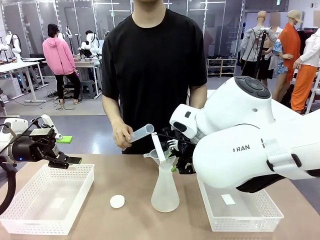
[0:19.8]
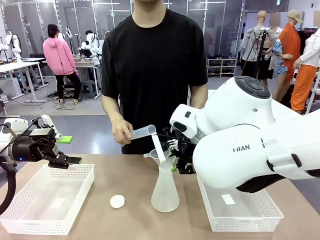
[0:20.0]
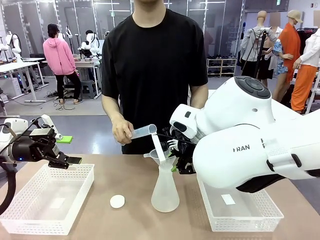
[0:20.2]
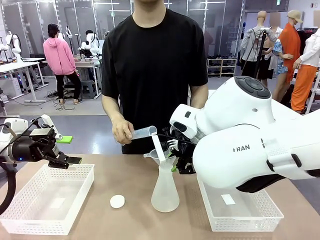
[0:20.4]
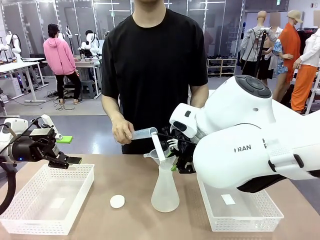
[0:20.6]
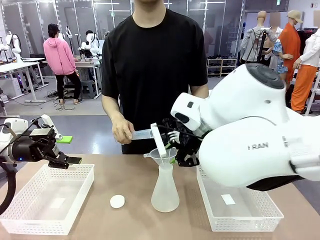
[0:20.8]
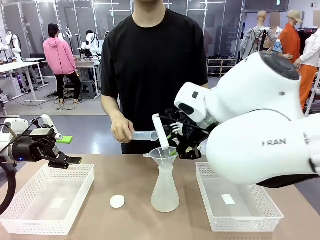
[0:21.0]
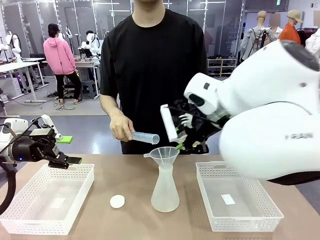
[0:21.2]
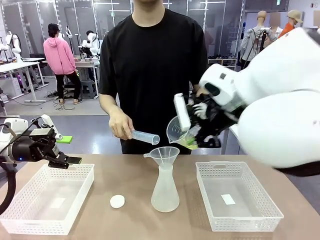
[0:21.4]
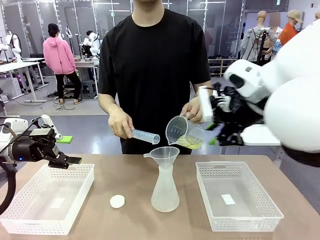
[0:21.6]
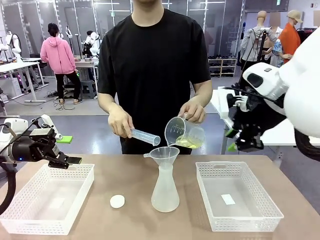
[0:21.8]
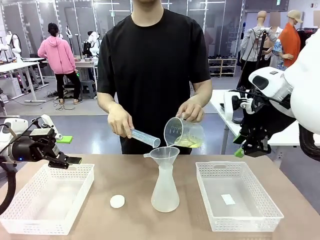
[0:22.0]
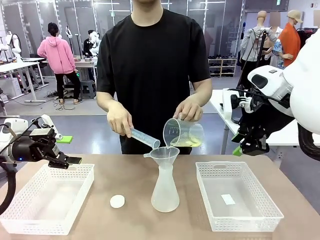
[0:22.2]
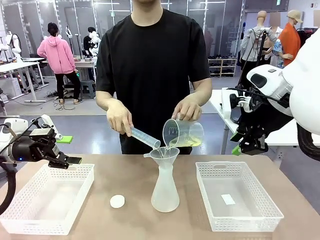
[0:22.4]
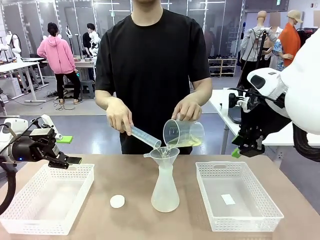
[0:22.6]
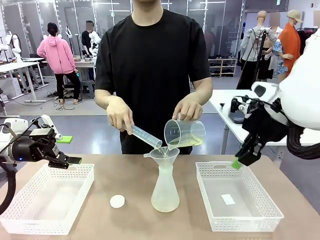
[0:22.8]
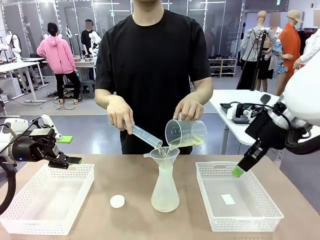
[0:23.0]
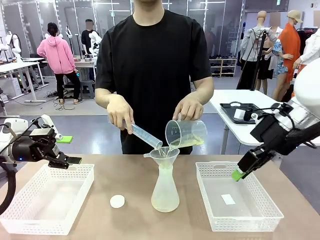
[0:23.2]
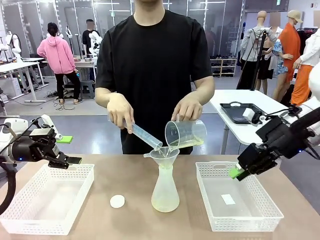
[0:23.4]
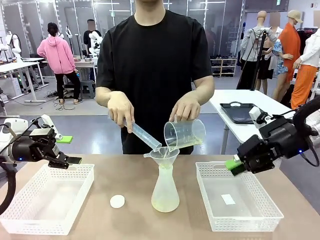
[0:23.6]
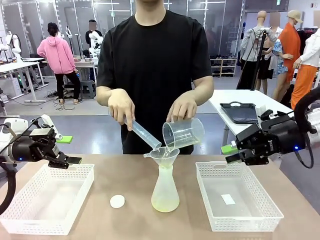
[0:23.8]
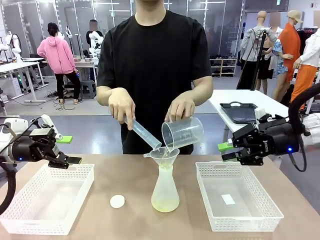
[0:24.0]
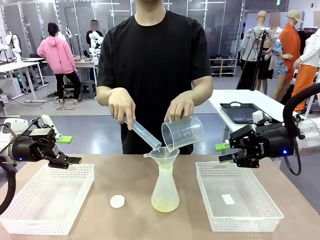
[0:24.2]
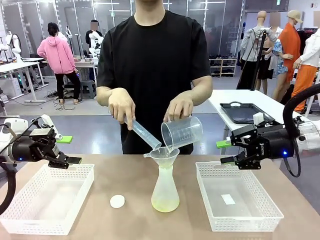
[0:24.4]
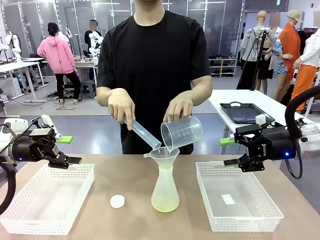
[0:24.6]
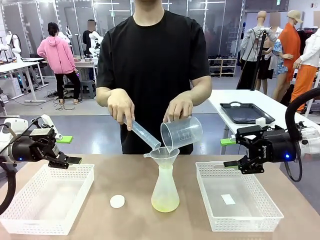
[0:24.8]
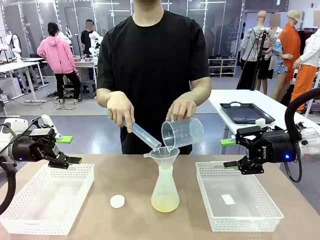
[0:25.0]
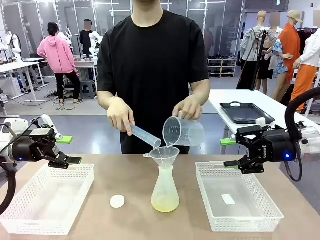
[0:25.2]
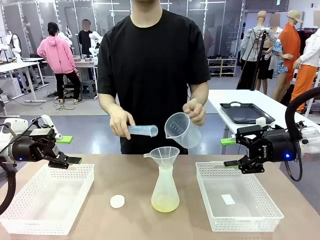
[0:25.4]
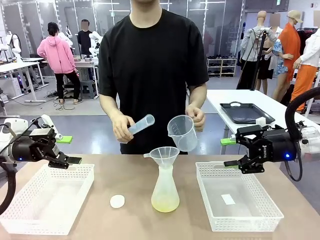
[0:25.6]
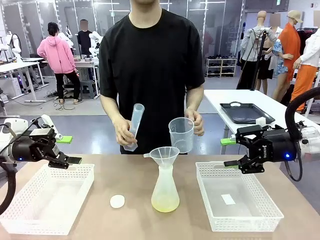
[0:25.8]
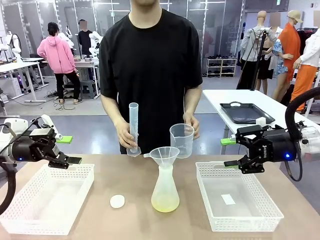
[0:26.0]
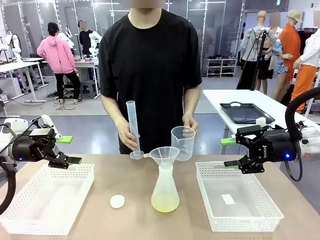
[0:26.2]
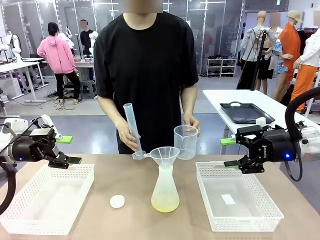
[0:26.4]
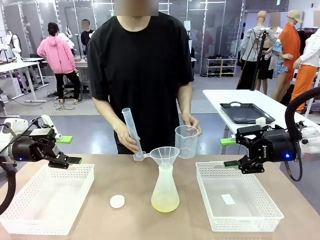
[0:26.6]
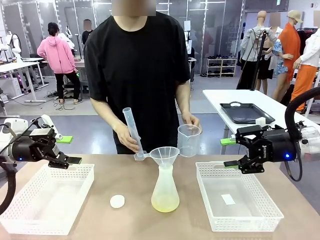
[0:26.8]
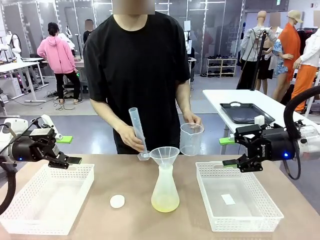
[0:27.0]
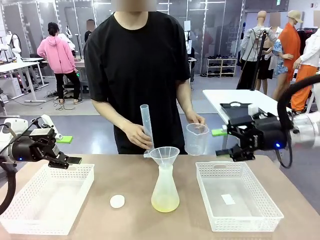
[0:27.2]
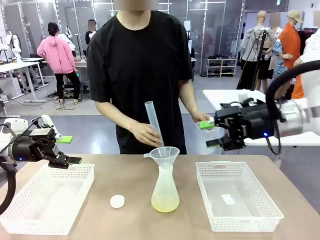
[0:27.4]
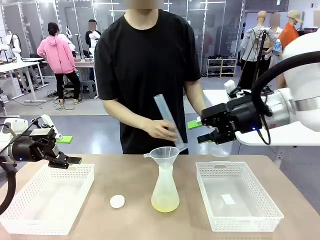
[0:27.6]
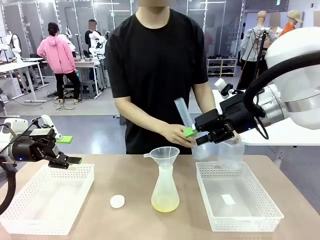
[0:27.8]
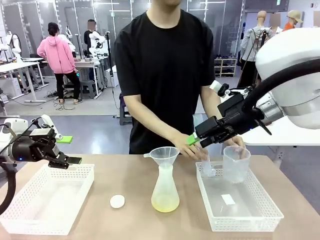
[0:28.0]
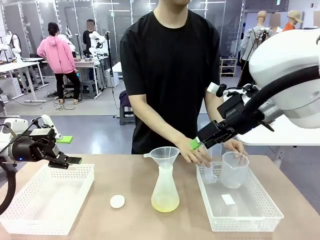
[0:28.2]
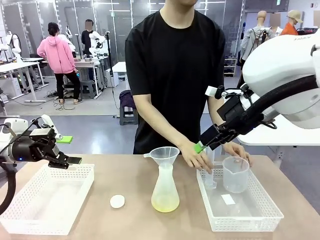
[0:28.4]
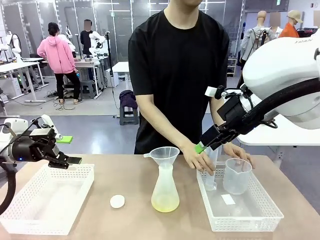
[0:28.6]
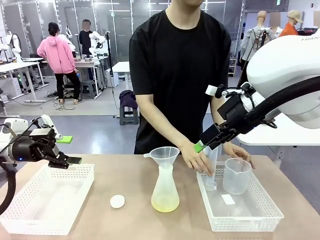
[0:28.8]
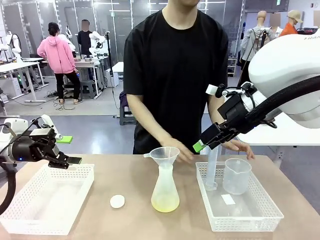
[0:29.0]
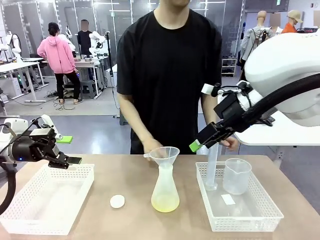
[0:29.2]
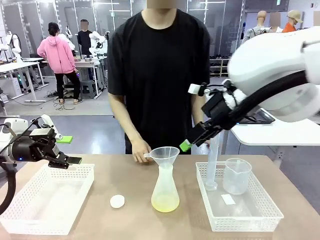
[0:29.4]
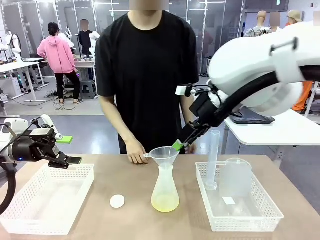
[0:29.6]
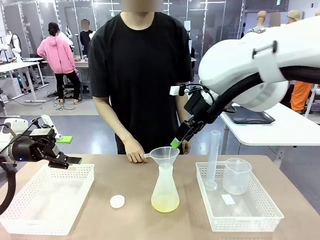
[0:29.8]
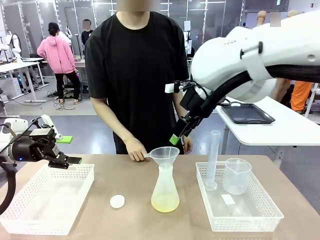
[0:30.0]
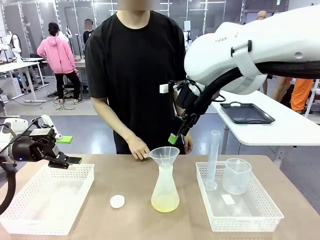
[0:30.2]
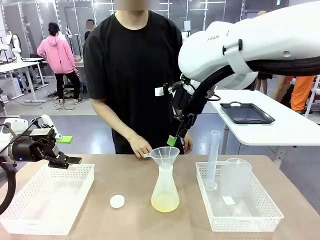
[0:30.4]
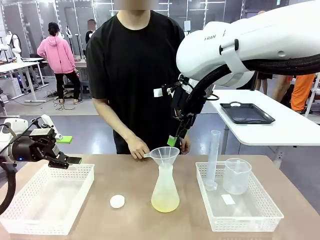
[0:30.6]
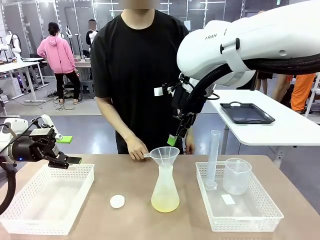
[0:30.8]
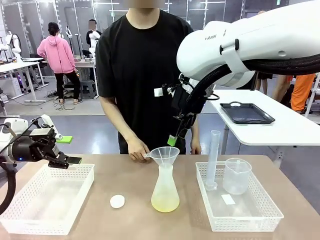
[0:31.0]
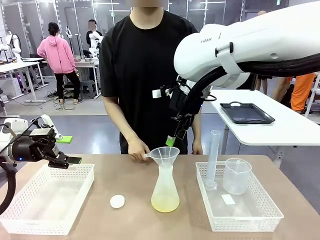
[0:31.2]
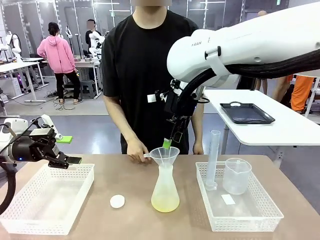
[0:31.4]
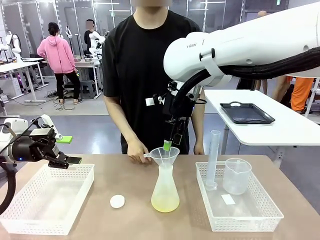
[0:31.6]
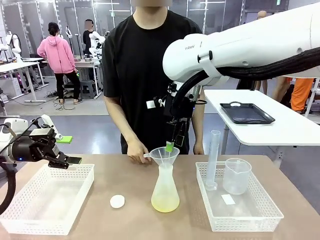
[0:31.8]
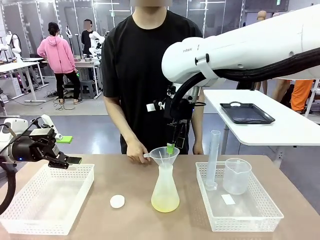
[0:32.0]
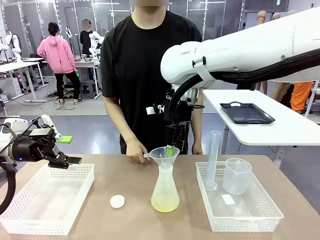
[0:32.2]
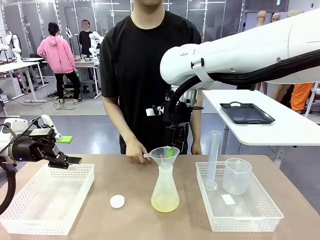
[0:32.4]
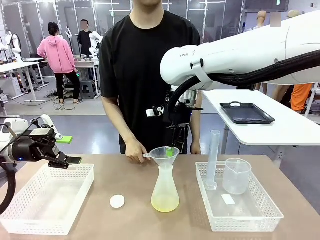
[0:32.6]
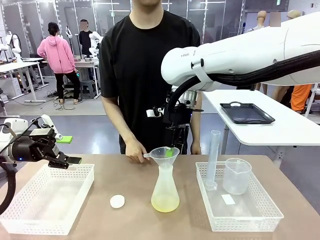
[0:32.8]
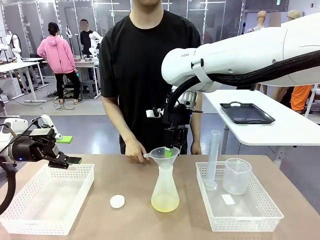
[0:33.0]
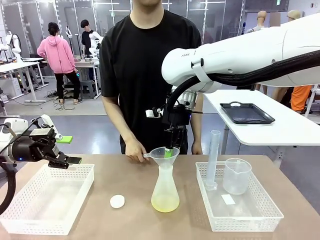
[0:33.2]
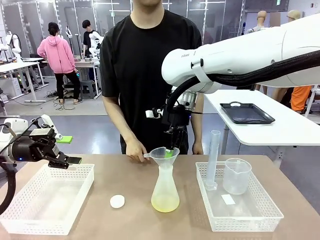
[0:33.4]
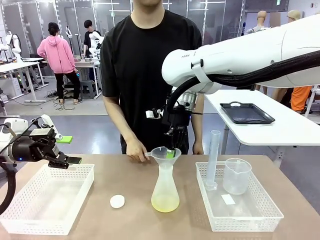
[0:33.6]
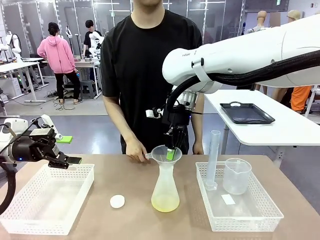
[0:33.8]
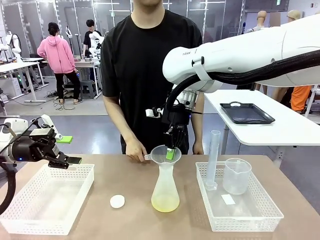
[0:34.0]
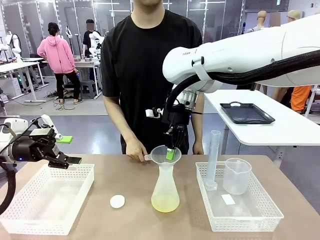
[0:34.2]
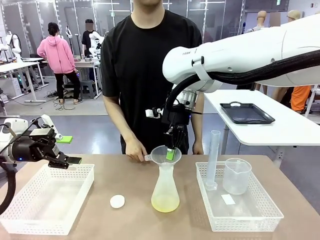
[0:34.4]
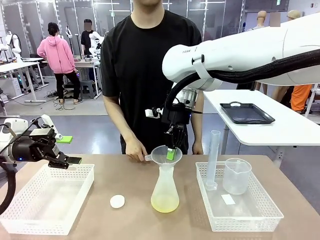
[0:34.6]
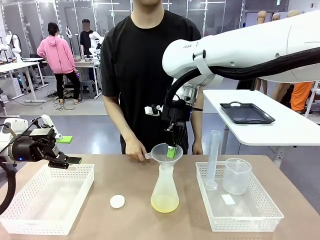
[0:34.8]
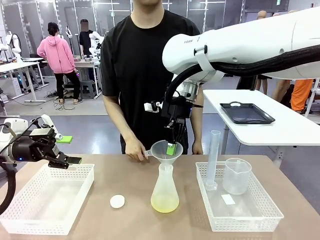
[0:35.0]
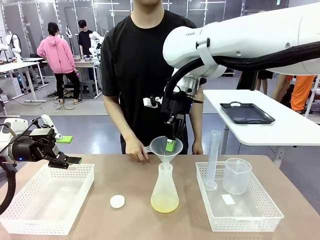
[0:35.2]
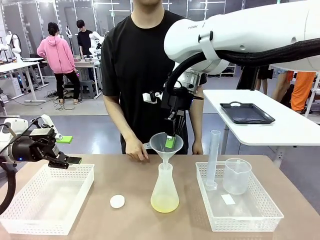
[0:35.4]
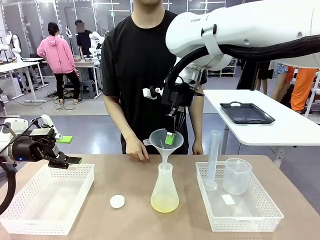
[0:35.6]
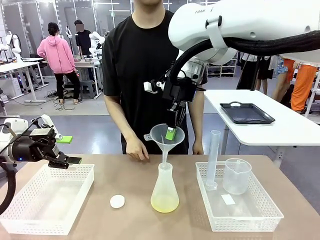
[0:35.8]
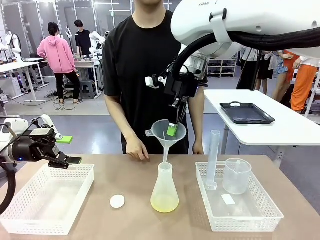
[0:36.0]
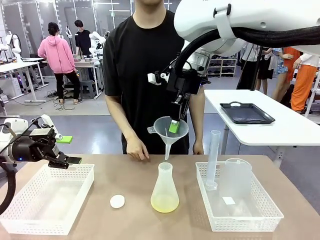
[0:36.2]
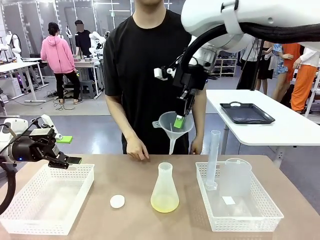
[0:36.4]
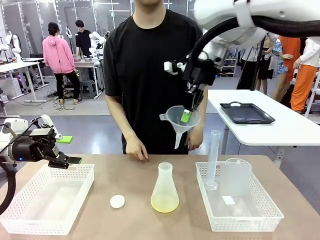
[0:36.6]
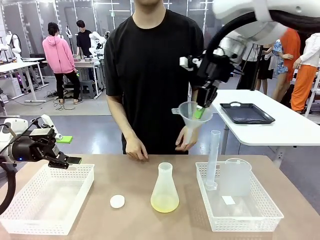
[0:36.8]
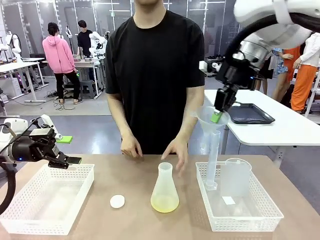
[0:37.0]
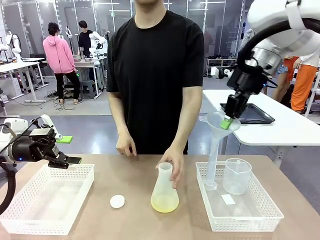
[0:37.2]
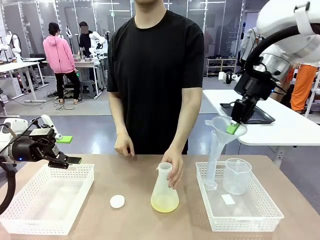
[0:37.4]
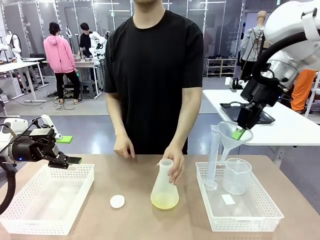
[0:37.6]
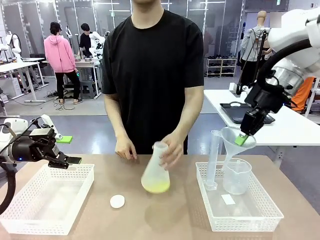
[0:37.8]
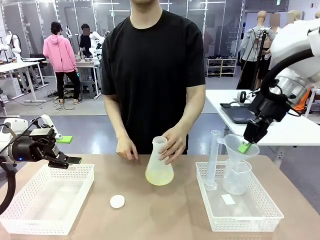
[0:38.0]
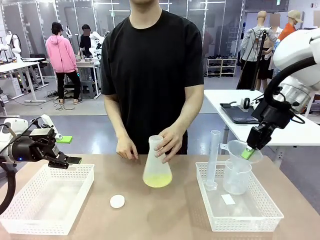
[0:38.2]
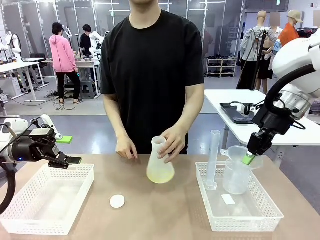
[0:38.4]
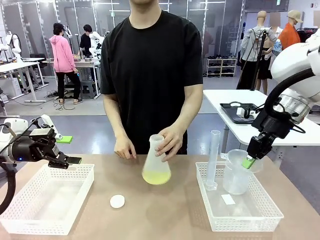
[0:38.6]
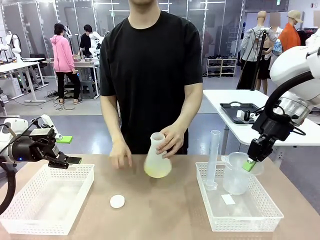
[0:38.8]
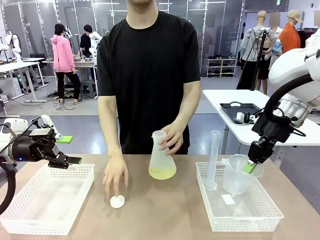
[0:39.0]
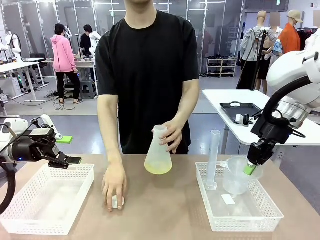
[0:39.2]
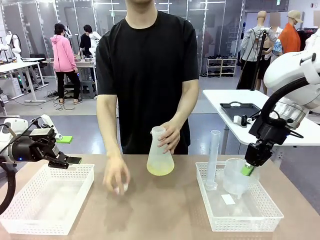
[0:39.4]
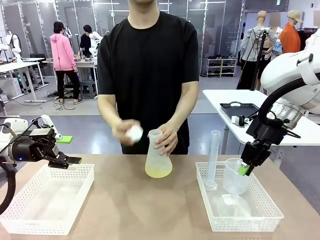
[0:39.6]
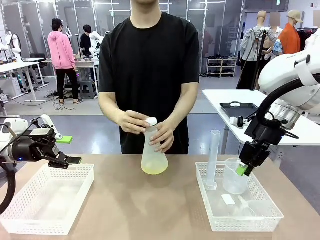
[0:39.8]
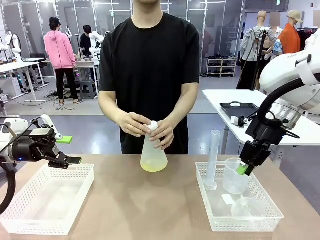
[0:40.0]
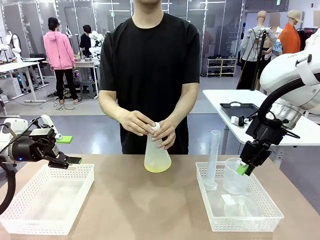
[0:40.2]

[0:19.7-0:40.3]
Task: Prepare the solutions needed for the experiment.
Robot: Once the solution is in the Big flask , pick up the Plastic Funnel and place it back into the right Organizing basket.
Person: Place the beaker and the cylinder into the organizing basket on the left side. Pick up the flask, gently shake it 2–3 times, place it in the middle of the robot table, and close the lid.
